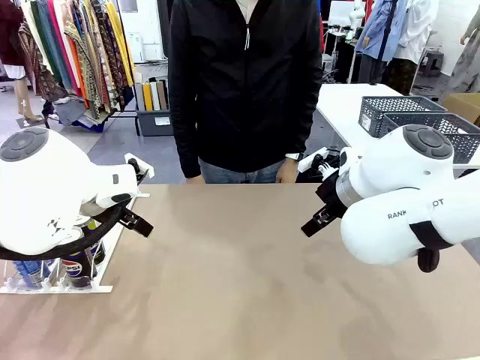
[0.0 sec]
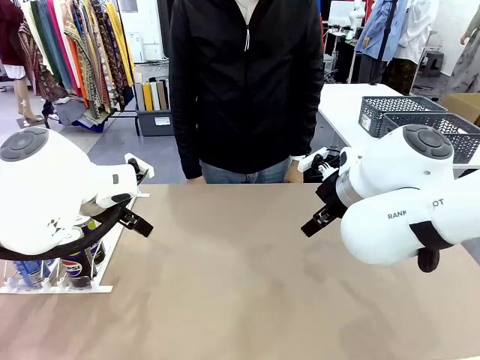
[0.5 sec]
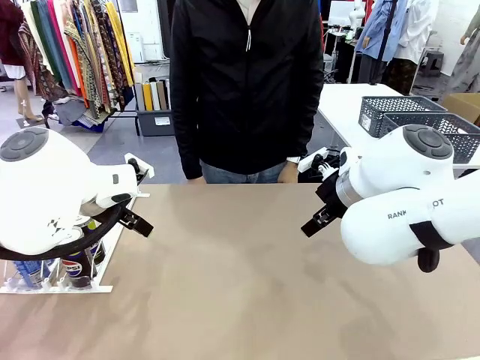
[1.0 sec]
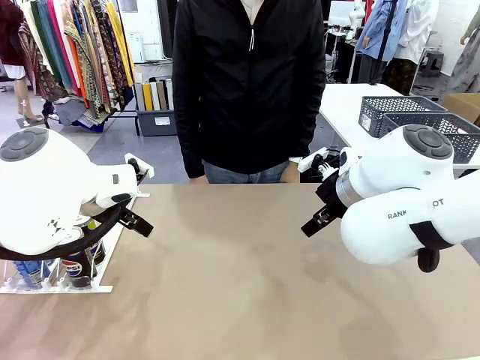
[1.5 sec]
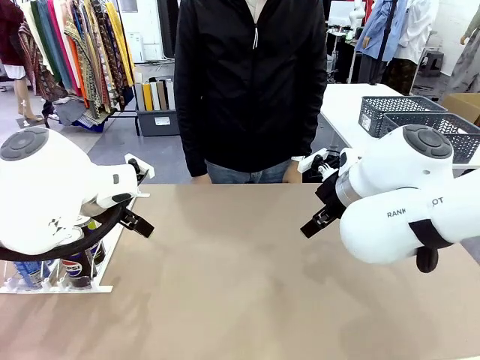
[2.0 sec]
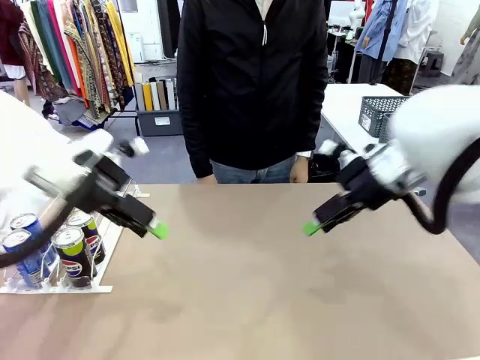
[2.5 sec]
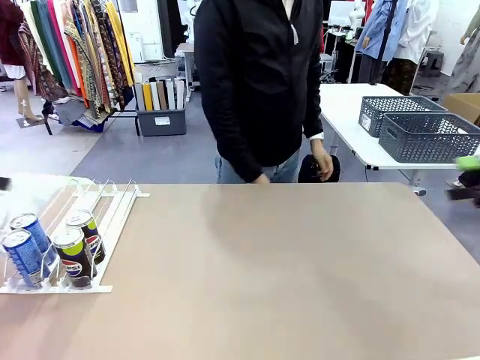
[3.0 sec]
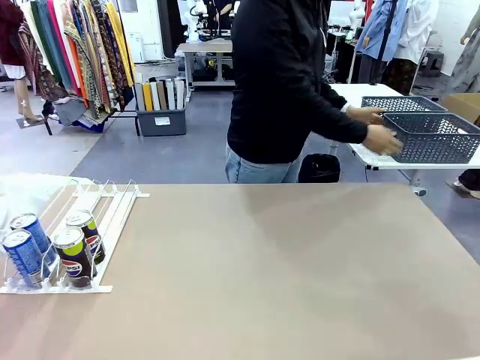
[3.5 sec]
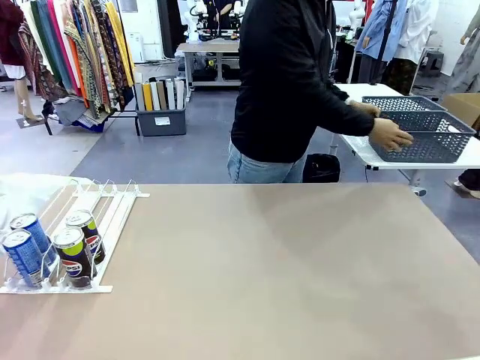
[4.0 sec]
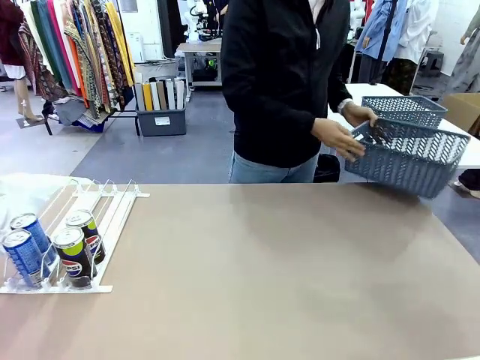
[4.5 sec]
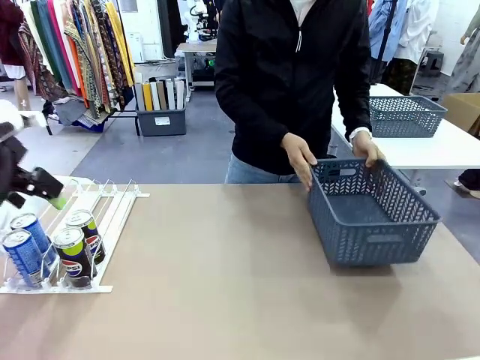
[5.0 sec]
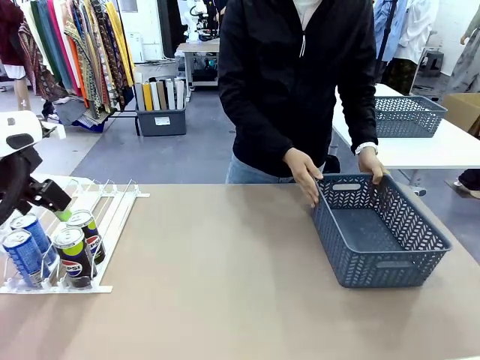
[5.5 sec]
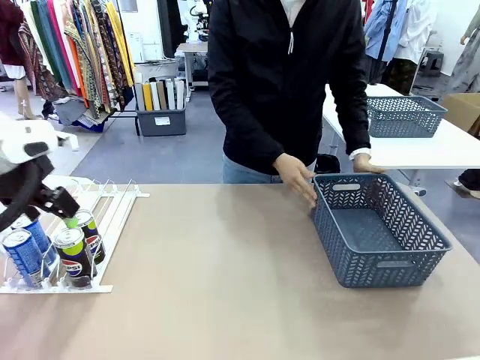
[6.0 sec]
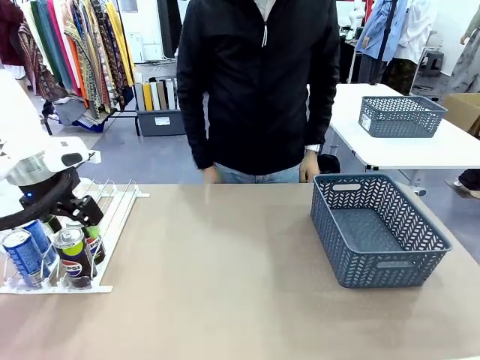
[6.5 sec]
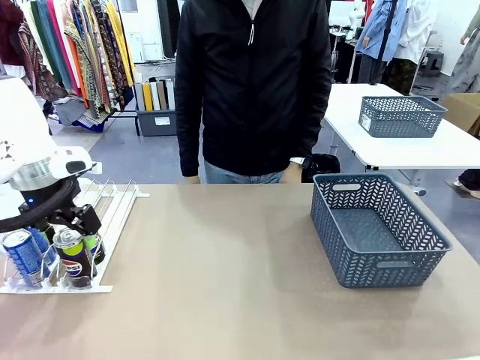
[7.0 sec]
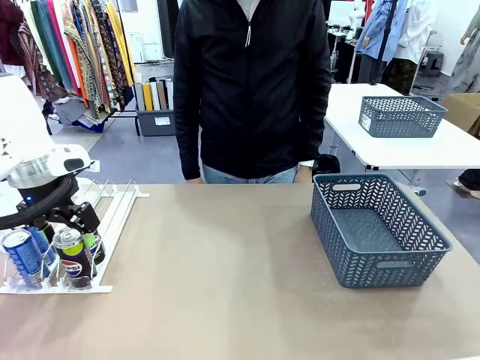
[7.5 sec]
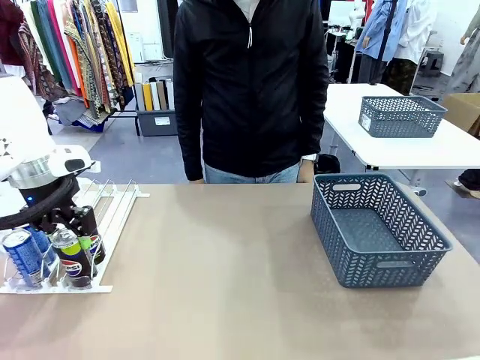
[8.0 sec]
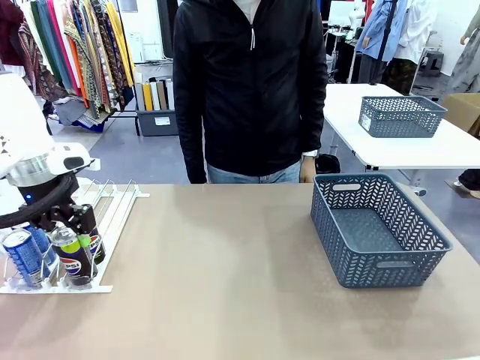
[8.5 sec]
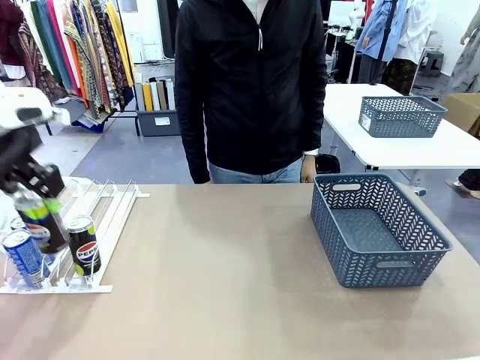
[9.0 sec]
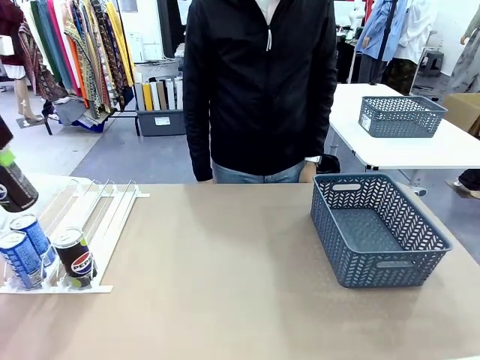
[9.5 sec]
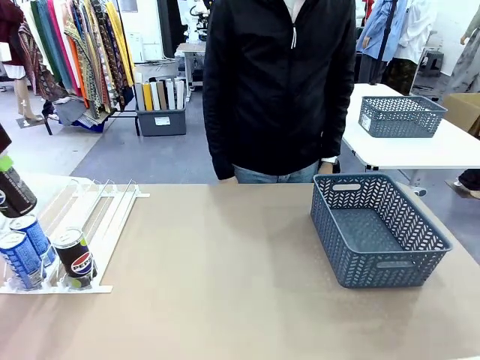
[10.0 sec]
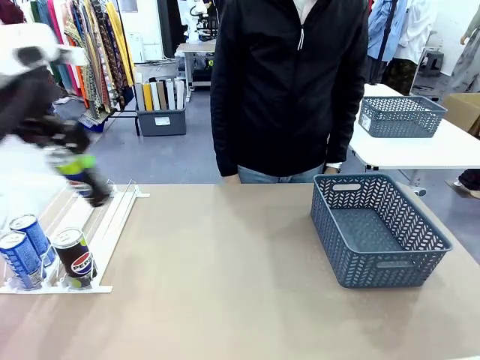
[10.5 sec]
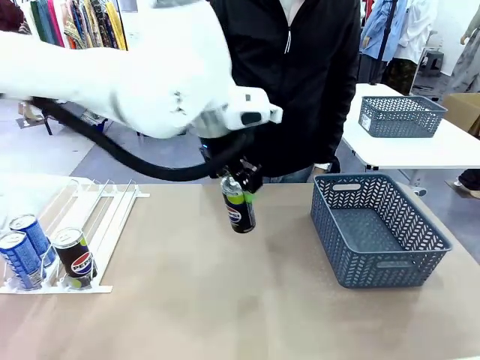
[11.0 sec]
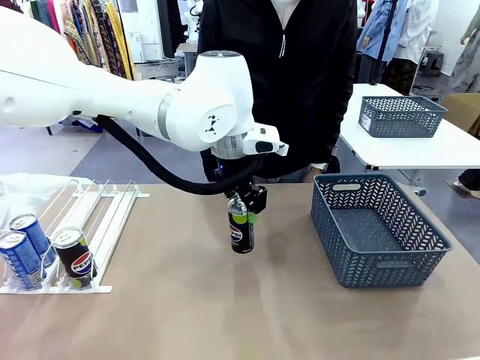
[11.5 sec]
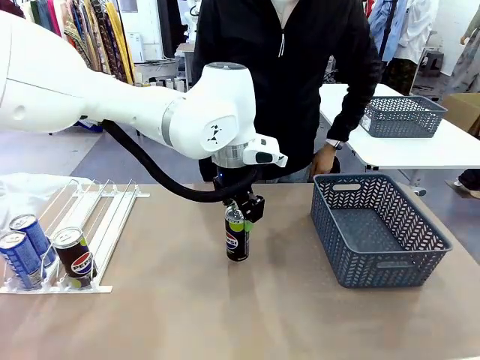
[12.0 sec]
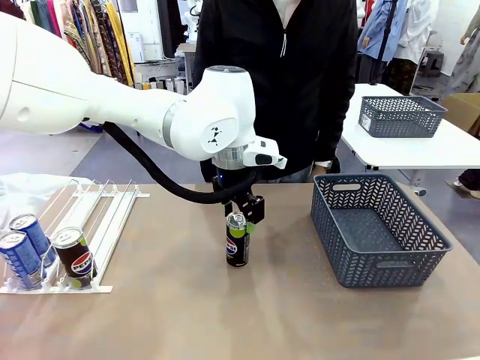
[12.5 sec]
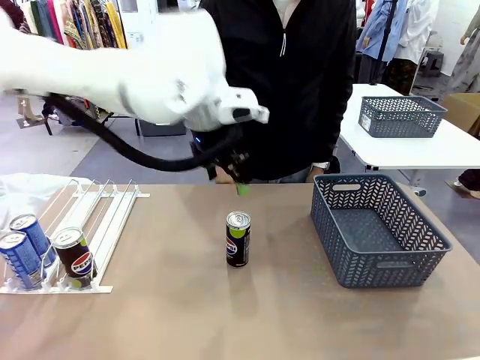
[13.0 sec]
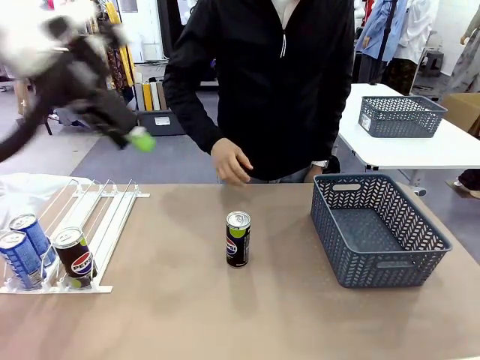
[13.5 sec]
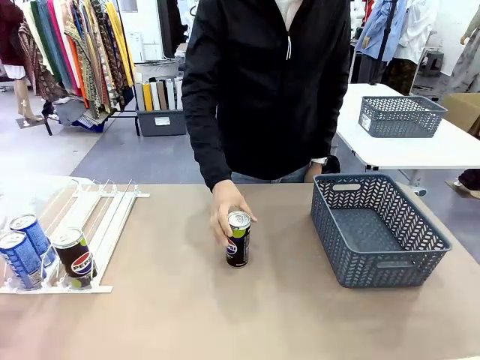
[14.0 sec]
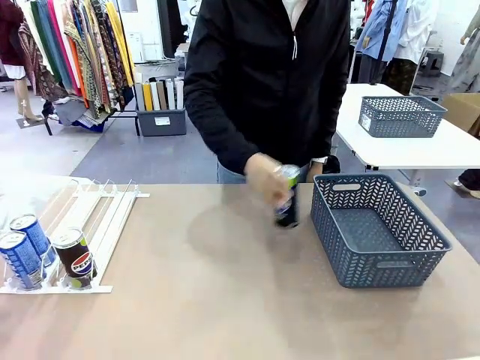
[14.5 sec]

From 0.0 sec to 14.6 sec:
Task: Retrieve and store the cans from the dispenser.
Robot: Pick up one can from the Automatic Can Dispenser and place it in the middle of the table.
Person: Pick up the basket and place it on the left side of the robot table.

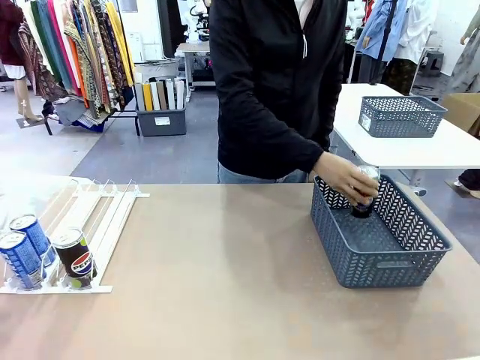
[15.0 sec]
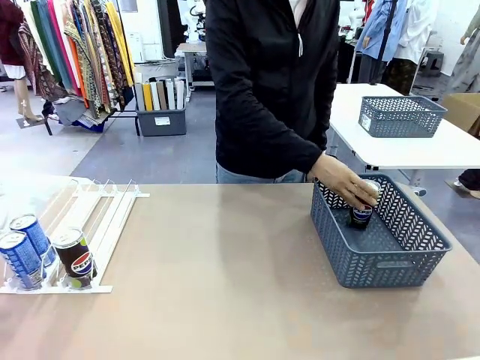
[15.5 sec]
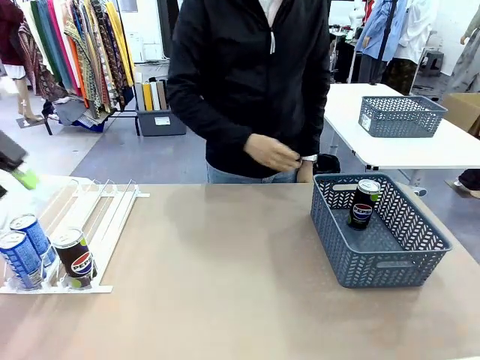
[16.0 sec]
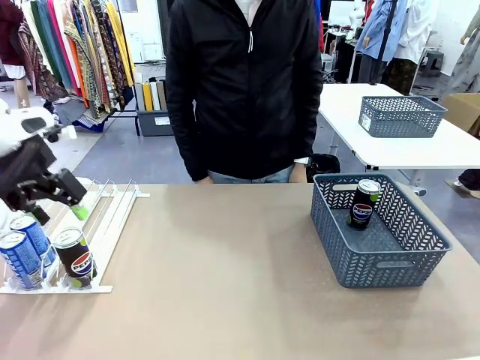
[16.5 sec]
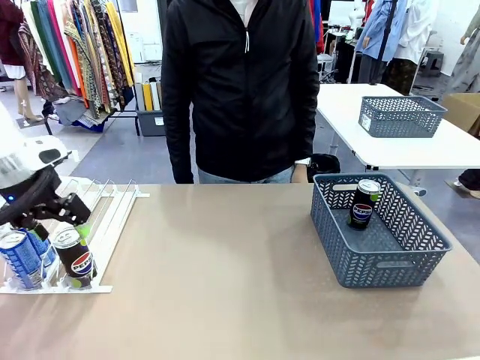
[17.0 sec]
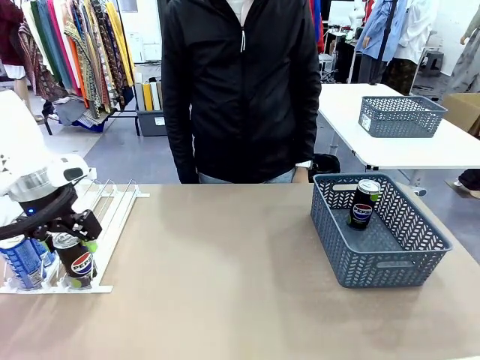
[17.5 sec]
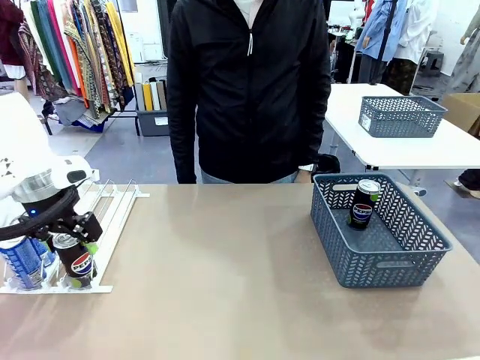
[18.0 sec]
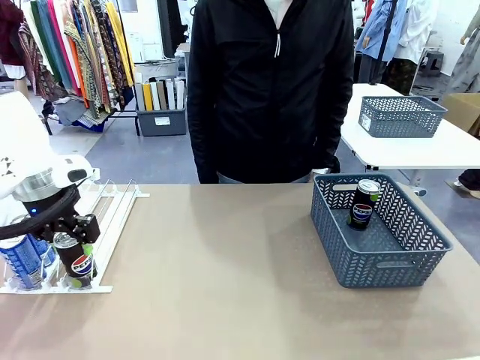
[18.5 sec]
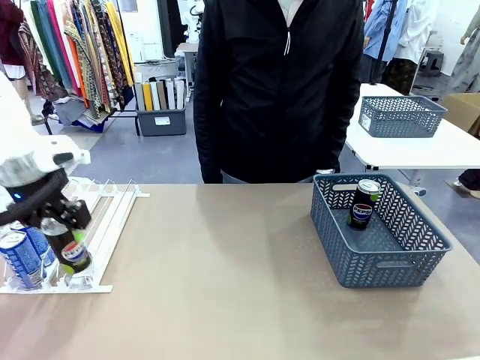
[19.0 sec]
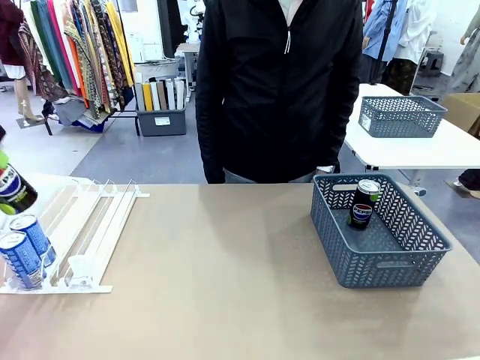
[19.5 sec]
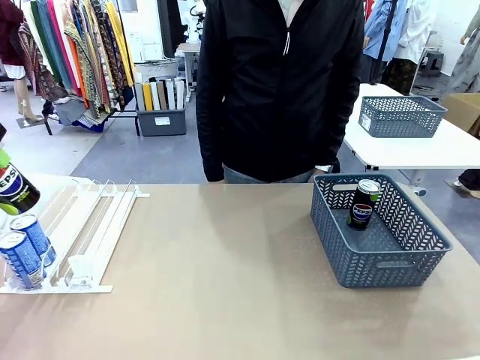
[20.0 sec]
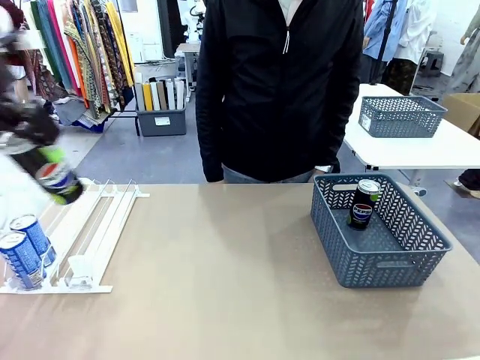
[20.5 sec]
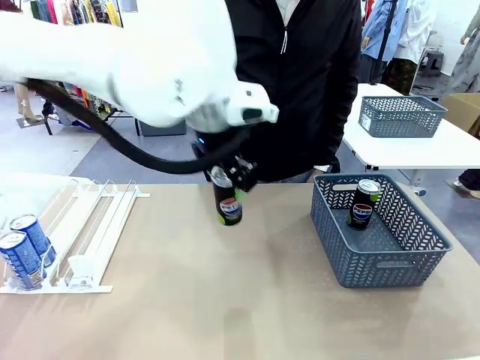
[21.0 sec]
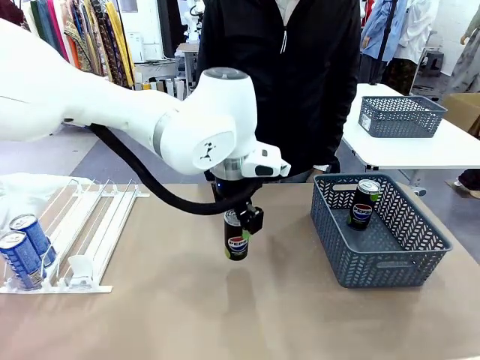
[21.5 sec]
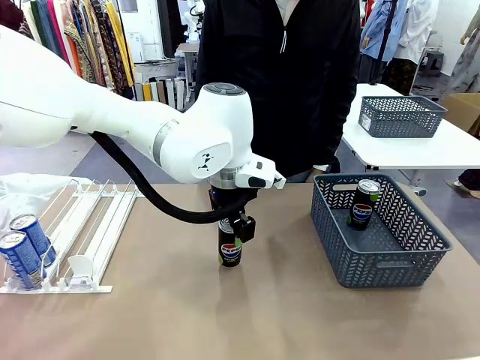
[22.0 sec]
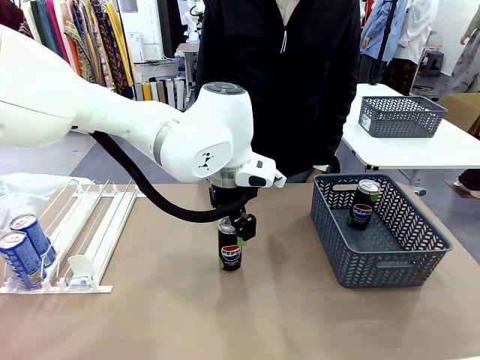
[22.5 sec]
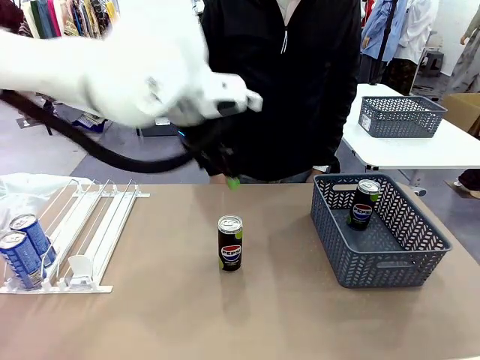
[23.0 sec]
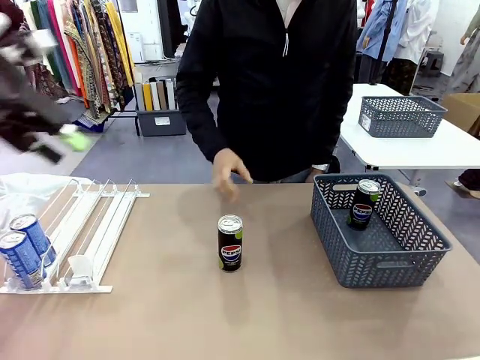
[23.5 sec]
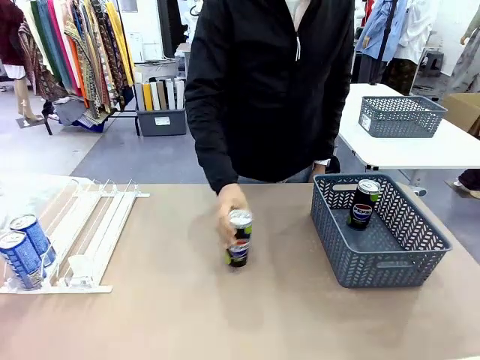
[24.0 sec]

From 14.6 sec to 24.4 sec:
Robot: Pick up the last remaining can from one row of the Automatic Can Dispenser and place it in the middle of the table.
Person: Pick up one Pepsi can from the middle of the robot table and place it in the basket.
